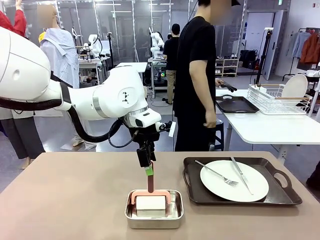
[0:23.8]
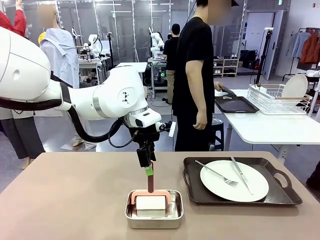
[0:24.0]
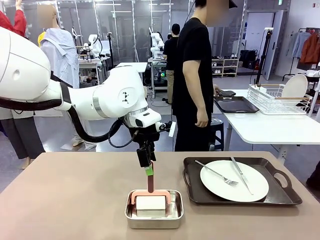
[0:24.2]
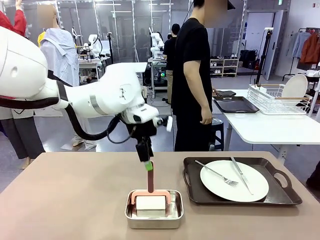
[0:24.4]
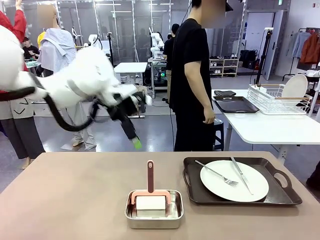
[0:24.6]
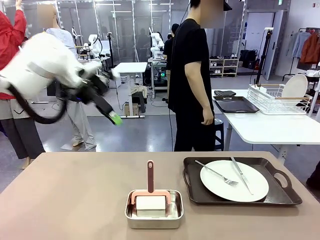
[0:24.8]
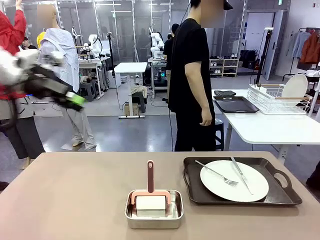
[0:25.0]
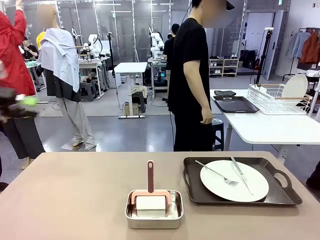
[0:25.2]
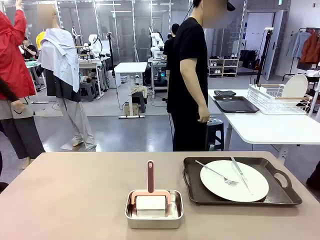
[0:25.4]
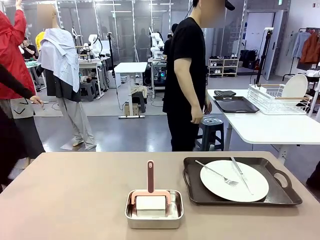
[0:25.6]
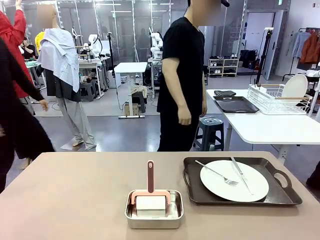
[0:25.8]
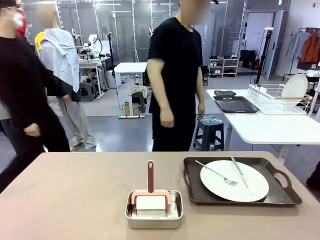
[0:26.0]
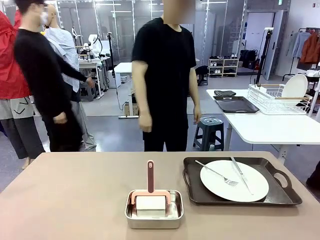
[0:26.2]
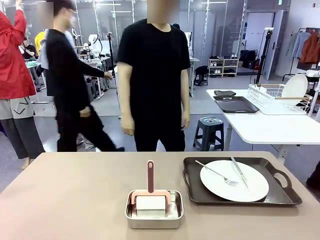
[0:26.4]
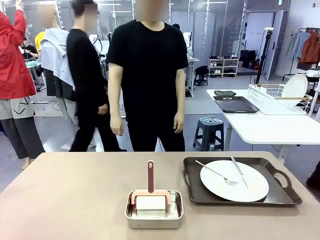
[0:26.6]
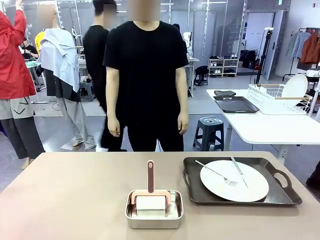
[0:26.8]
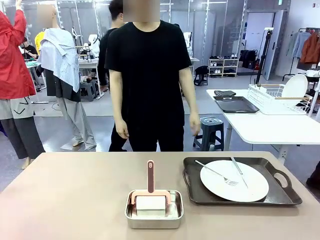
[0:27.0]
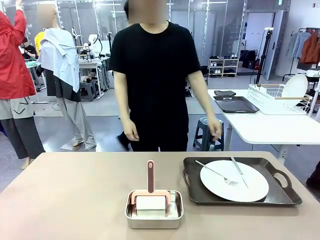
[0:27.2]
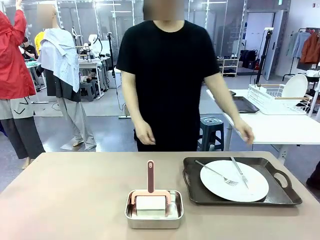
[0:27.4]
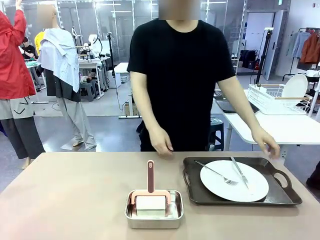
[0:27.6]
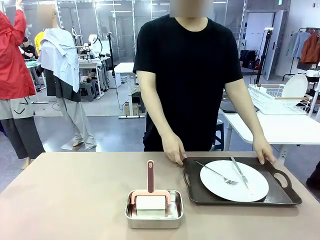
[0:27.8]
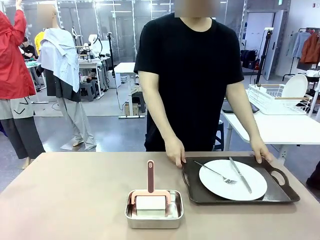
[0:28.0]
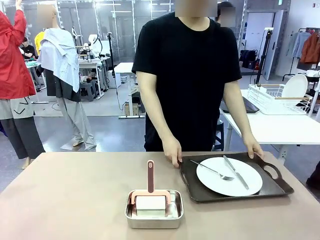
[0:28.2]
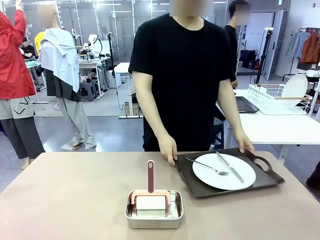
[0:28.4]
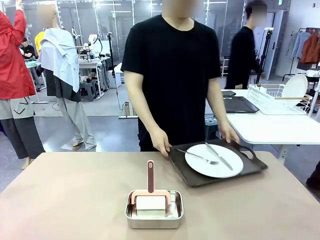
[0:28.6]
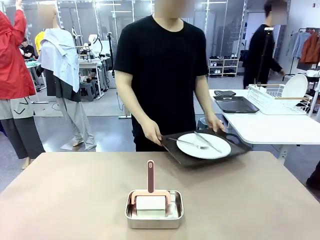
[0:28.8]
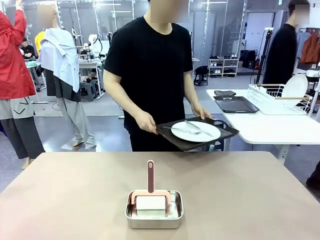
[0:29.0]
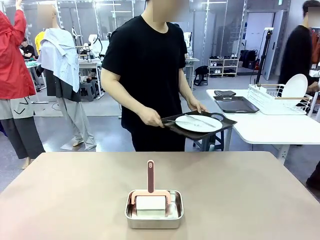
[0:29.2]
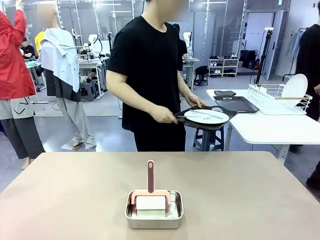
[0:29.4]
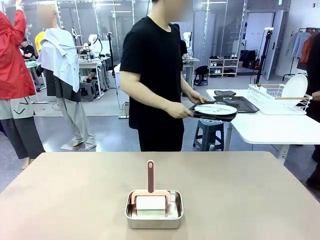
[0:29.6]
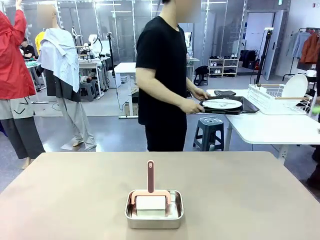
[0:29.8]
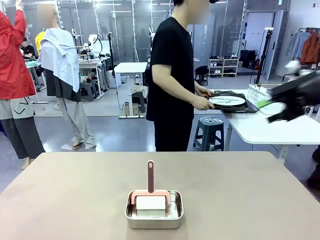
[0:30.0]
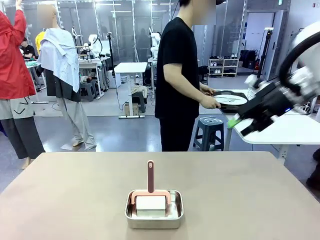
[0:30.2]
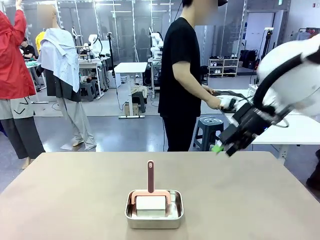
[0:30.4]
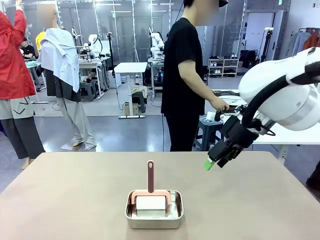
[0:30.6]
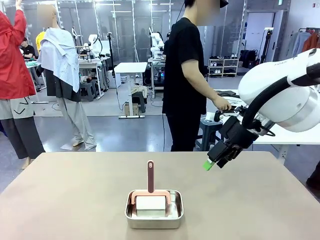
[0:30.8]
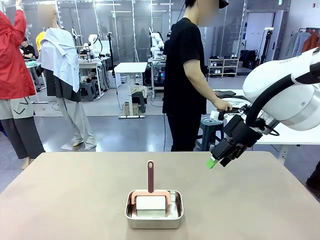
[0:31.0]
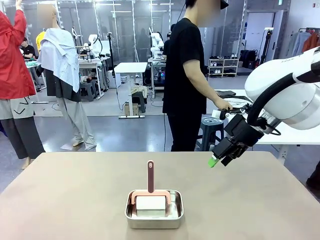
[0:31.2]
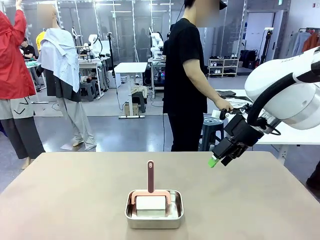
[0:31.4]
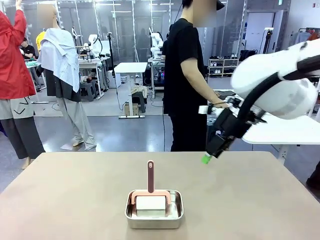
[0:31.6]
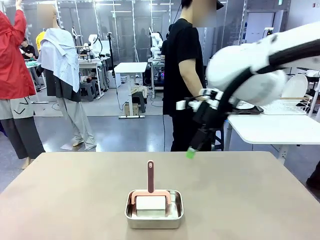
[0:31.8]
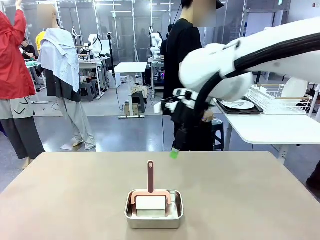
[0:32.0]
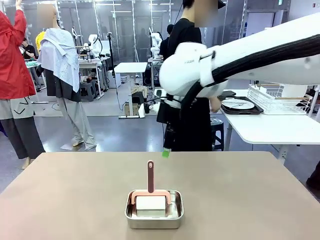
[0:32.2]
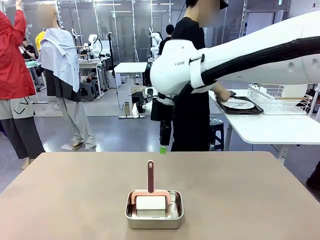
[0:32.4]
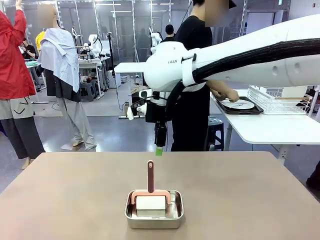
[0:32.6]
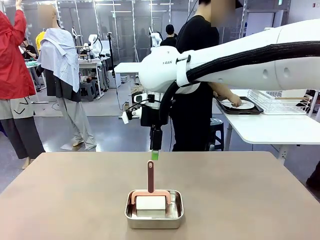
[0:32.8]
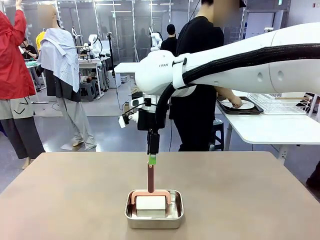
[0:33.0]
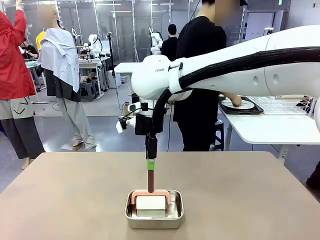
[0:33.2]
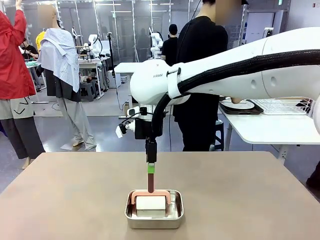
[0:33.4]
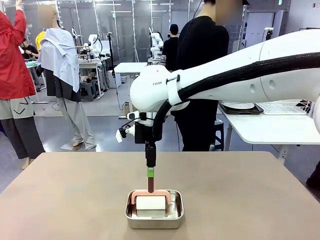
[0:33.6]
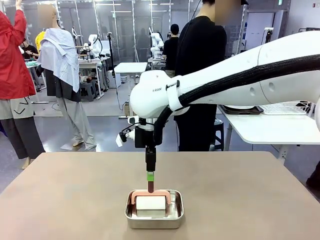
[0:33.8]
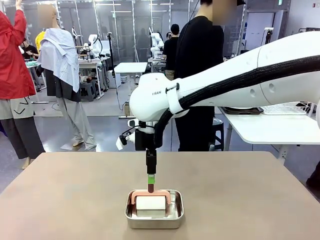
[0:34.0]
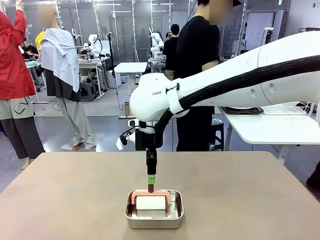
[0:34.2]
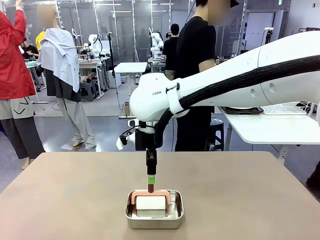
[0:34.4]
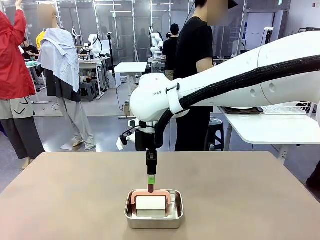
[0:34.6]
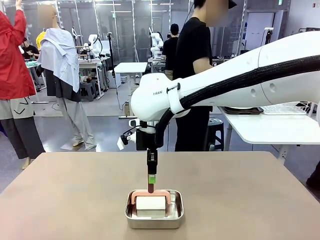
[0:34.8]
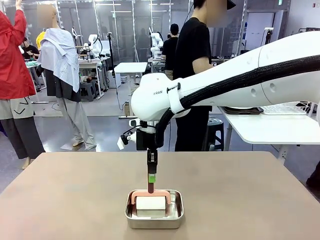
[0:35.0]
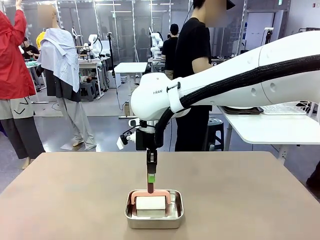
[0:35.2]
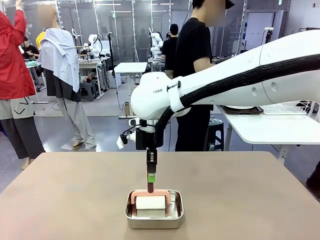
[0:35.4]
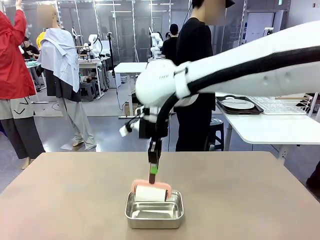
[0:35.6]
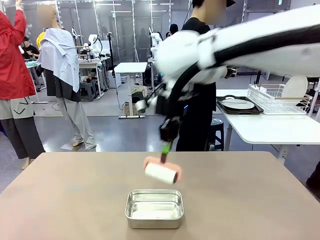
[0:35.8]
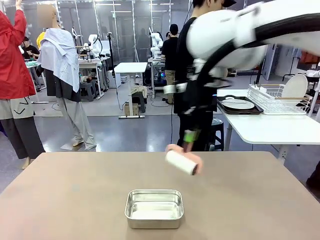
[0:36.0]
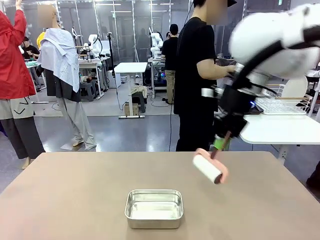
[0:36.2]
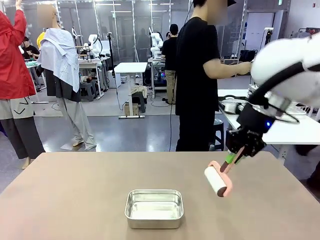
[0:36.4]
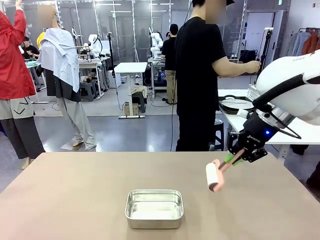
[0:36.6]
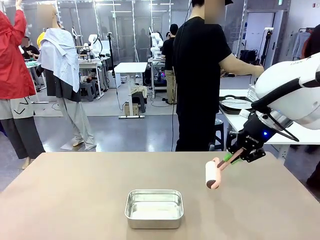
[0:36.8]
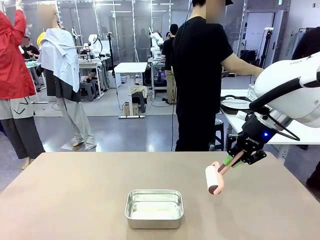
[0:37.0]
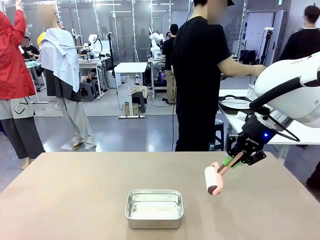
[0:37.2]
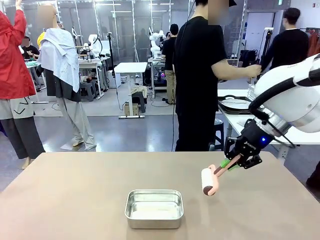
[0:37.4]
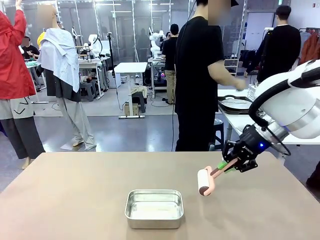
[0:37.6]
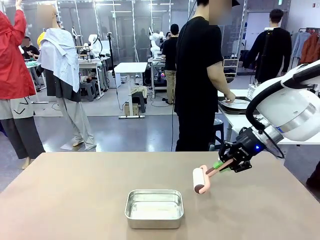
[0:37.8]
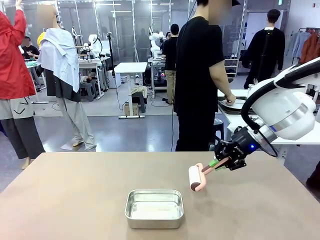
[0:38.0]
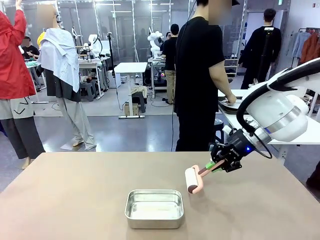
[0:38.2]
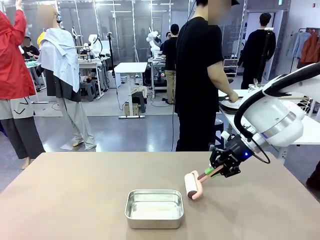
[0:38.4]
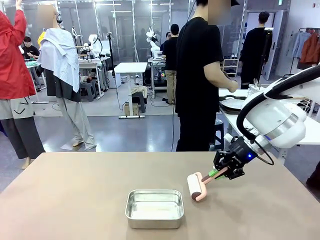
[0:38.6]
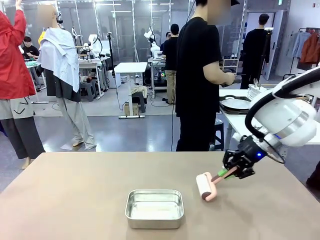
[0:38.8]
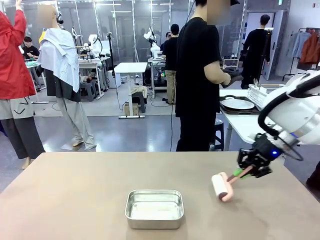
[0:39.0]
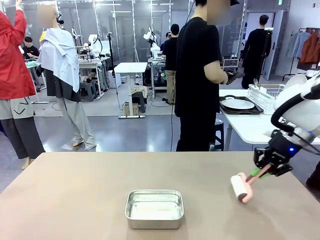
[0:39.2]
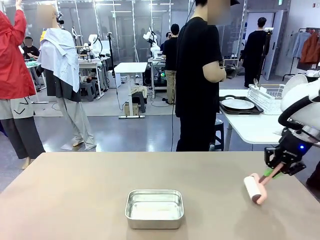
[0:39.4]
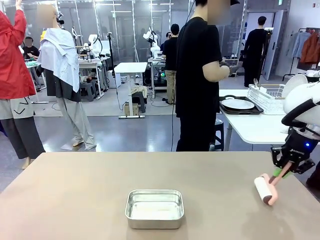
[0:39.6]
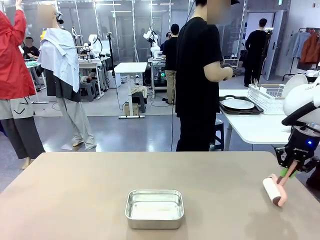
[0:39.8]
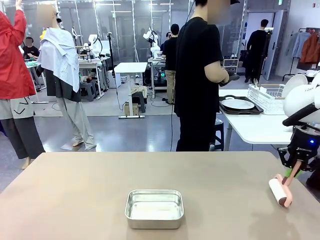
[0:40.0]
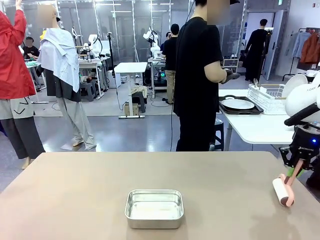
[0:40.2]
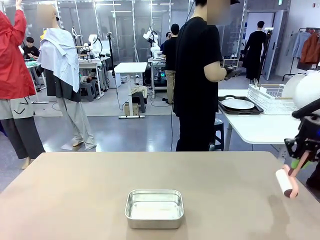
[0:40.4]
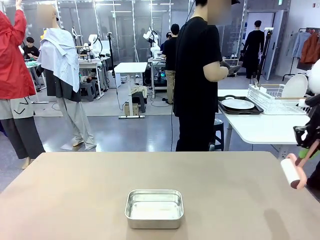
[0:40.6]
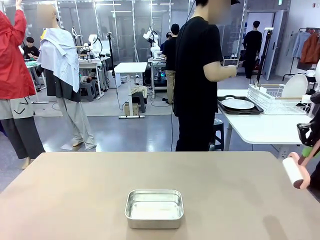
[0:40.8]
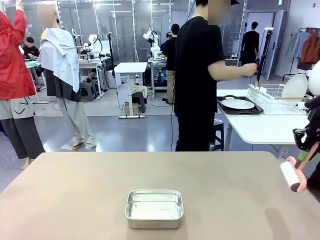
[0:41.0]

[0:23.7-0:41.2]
Robot: When the right (or left) Handle tray is removed, use the right hand (or left hand) to clean the right (or left) side of the table with the Lint Roller.
Person: Pick up the left (or right) Handle tray and place it on the Handle tray.

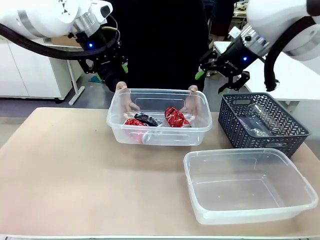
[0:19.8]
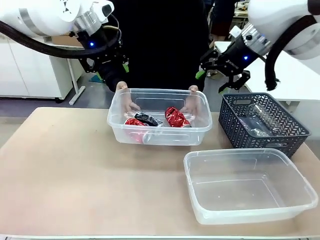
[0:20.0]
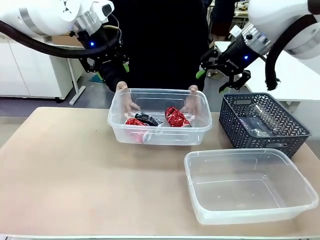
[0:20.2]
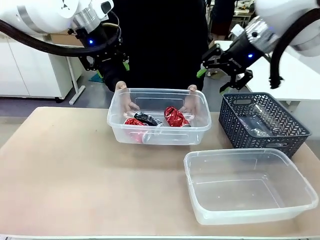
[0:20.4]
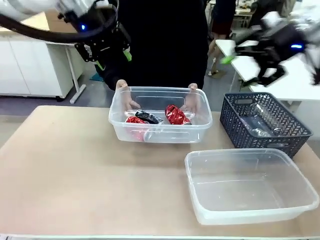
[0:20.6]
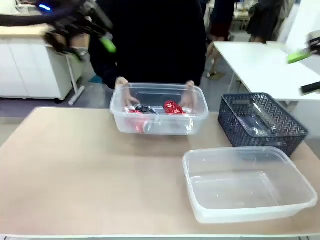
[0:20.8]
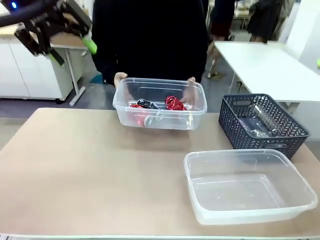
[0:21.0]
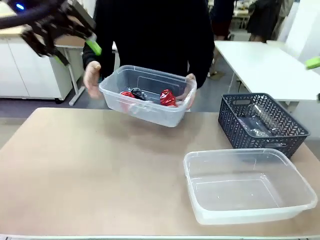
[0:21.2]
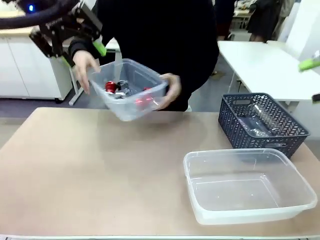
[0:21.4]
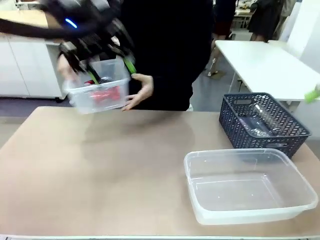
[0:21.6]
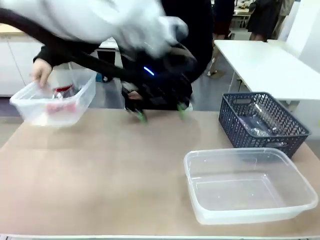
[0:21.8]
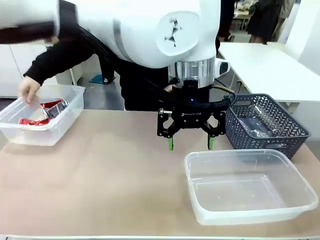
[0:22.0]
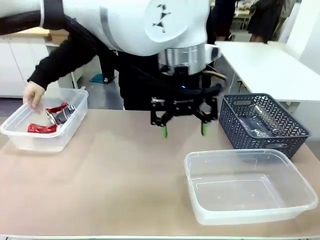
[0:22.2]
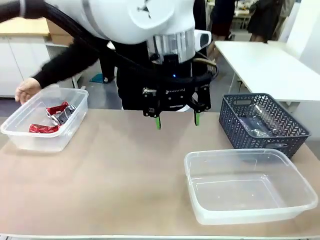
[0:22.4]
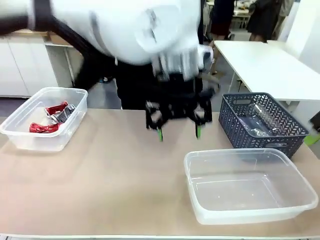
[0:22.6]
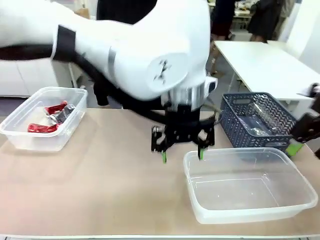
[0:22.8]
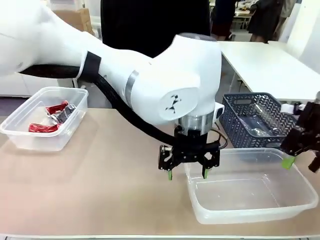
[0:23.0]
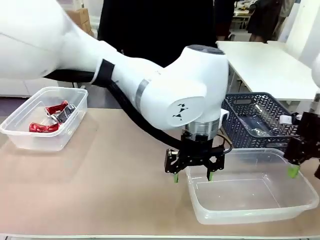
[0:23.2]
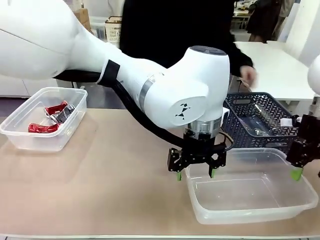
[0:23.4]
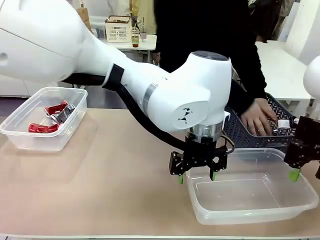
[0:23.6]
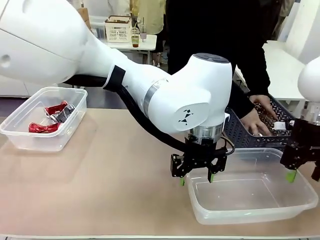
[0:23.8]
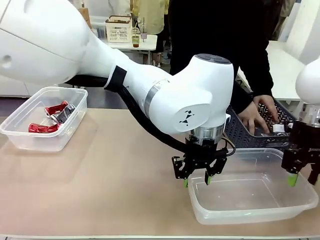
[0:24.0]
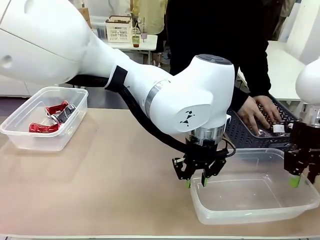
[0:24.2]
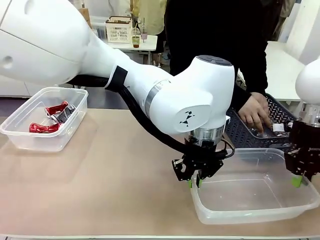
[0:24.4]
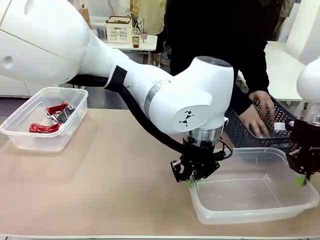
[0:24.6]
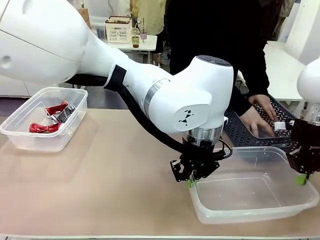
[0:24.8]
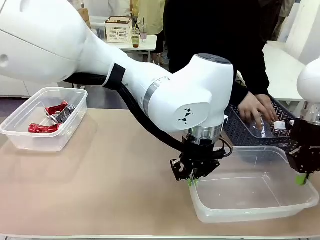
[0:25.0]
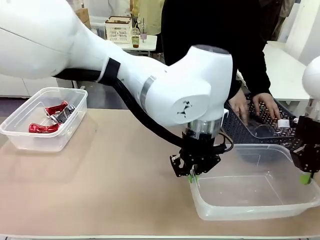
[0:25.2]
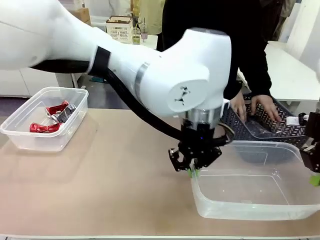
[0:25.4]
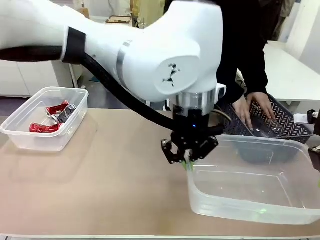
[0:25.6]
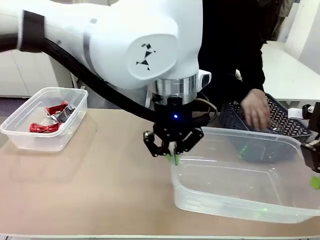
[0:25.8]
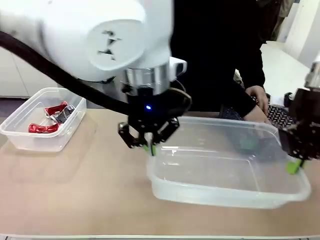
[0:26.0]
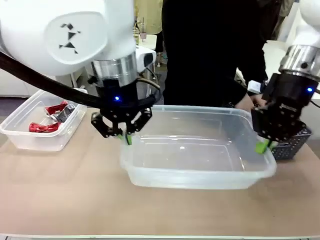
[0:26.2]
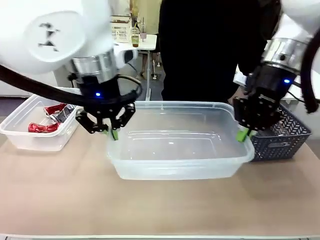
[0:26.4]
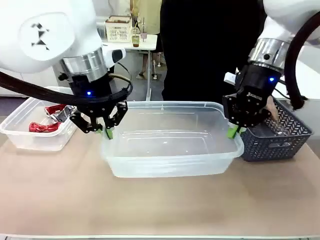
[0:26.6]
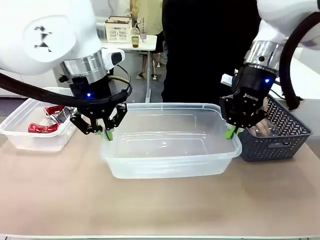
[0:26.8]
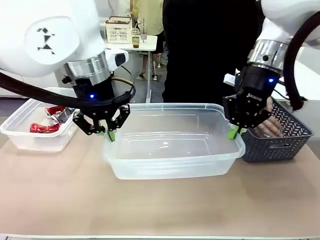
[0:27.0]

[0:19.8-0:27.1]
Robot: Pick up the Organizing box on the right side of the table and lift it.
Person: Place it at the edge of the bottom right area of the robot table.
